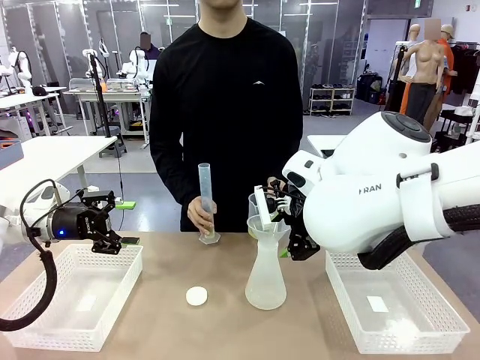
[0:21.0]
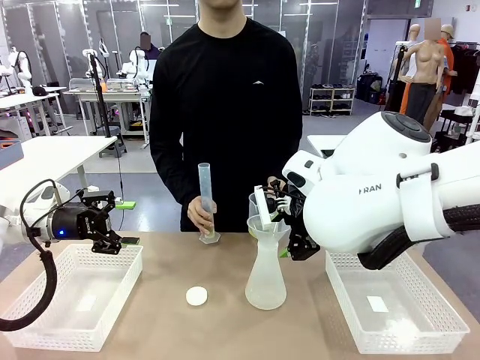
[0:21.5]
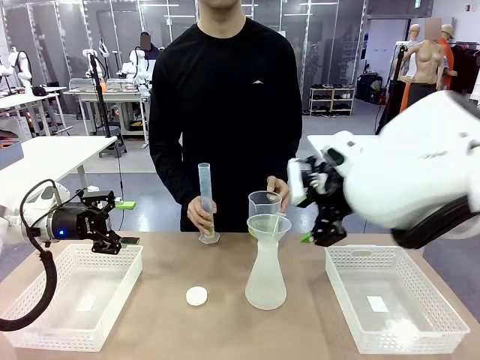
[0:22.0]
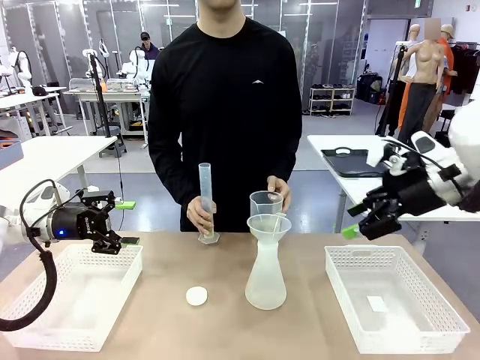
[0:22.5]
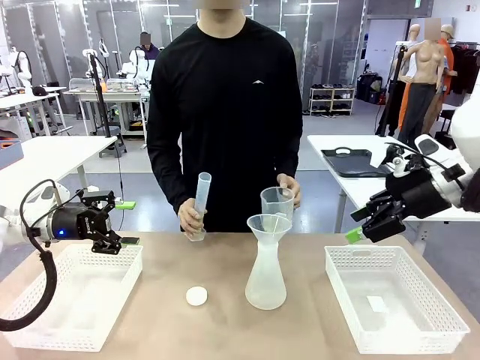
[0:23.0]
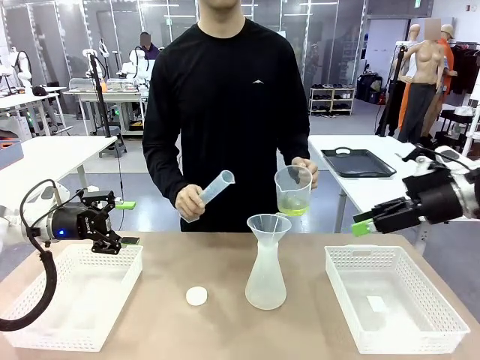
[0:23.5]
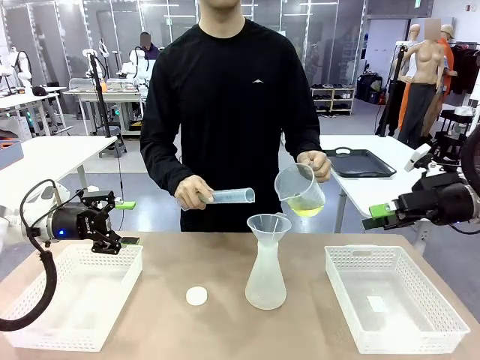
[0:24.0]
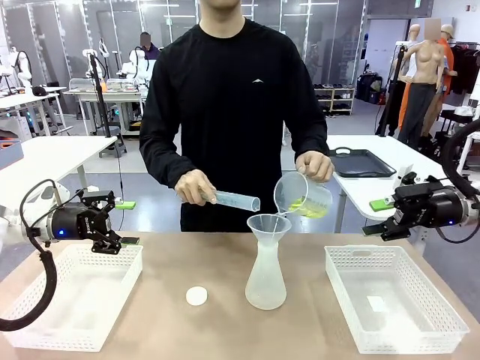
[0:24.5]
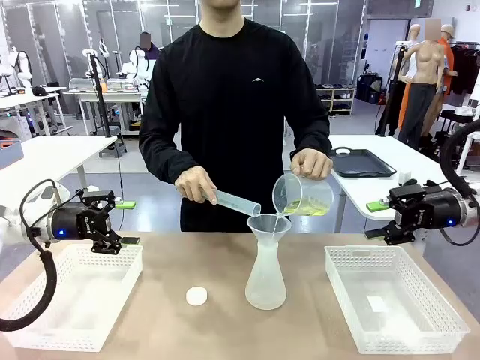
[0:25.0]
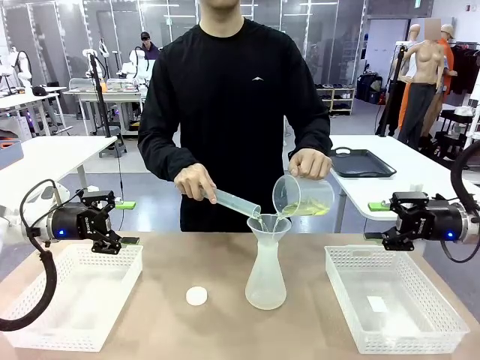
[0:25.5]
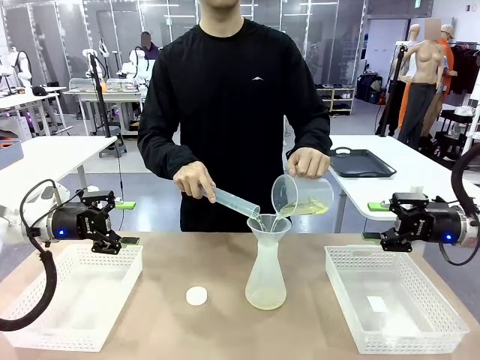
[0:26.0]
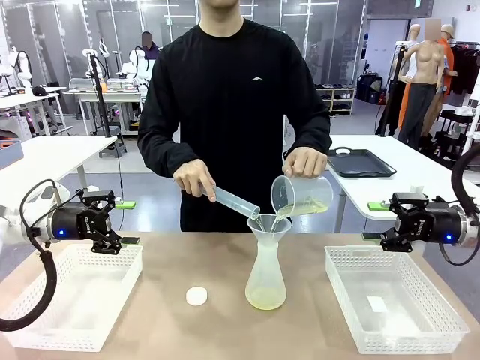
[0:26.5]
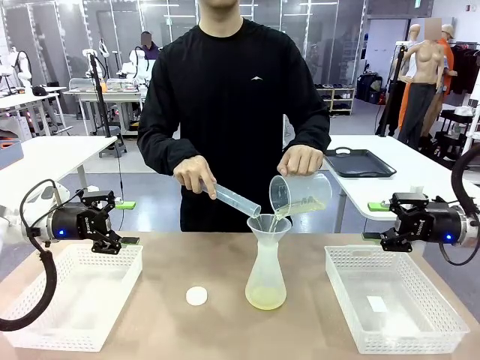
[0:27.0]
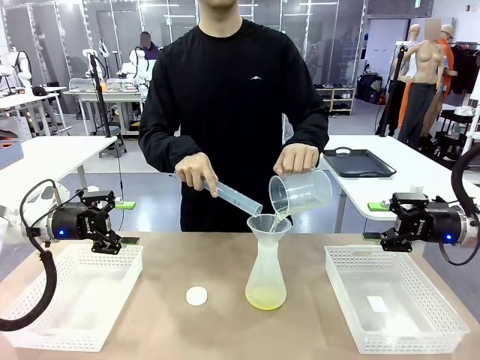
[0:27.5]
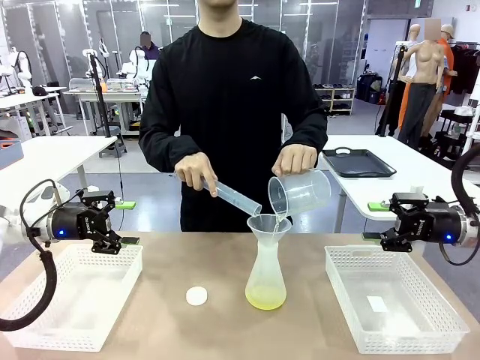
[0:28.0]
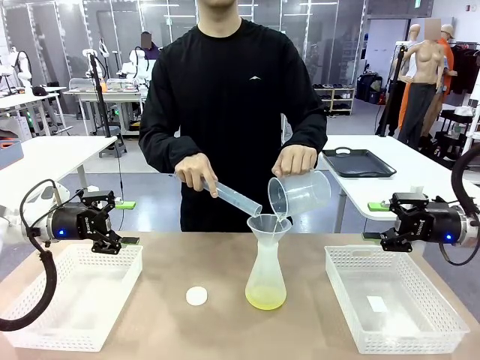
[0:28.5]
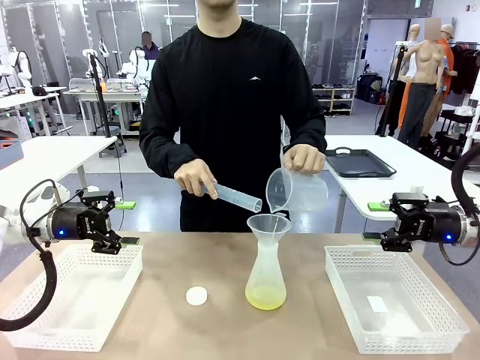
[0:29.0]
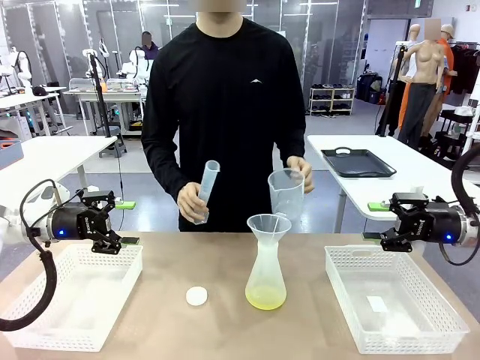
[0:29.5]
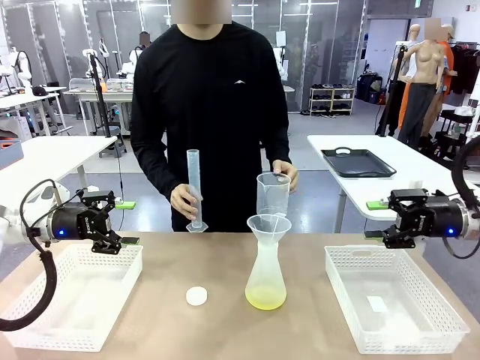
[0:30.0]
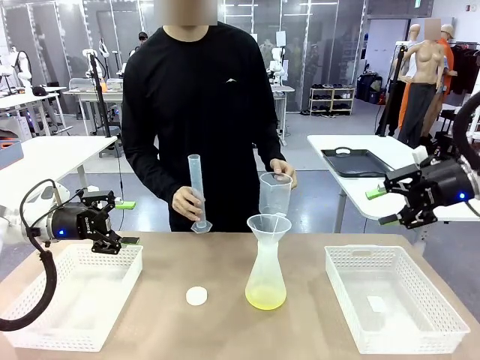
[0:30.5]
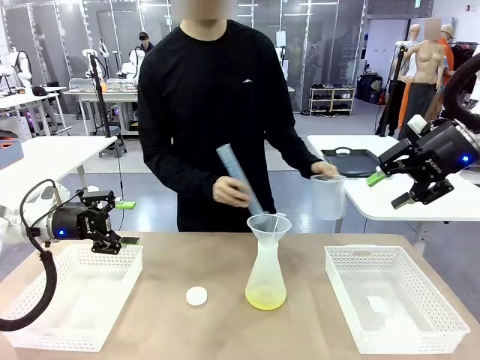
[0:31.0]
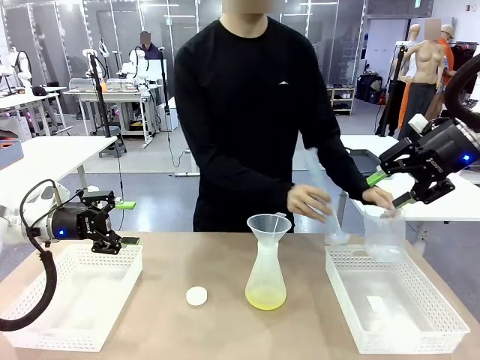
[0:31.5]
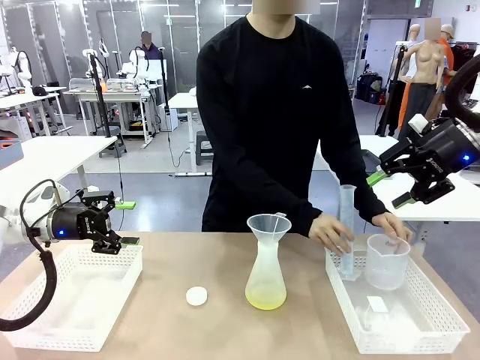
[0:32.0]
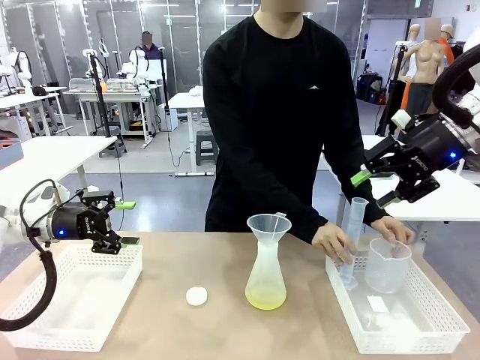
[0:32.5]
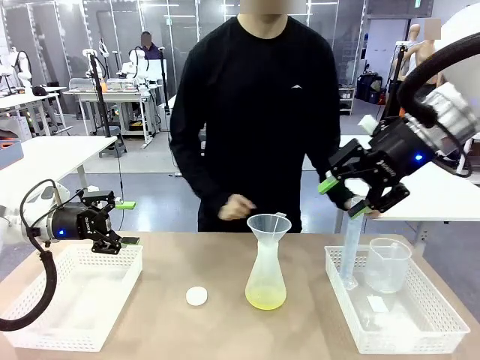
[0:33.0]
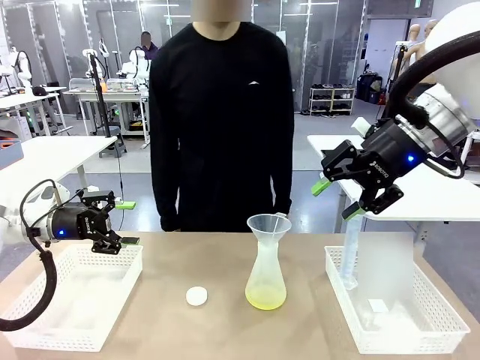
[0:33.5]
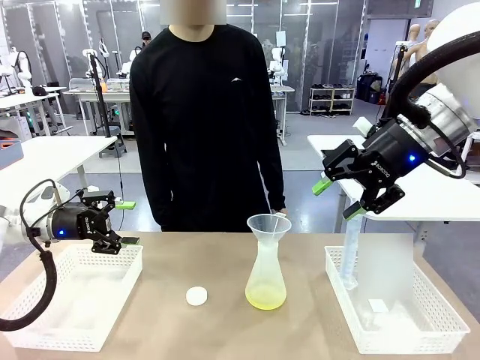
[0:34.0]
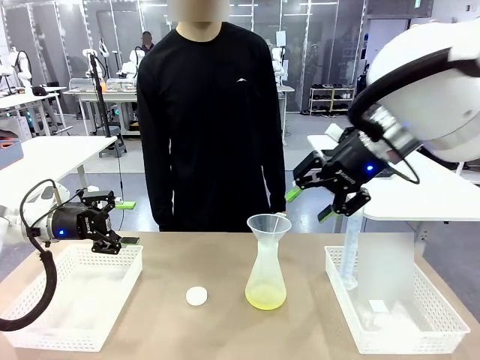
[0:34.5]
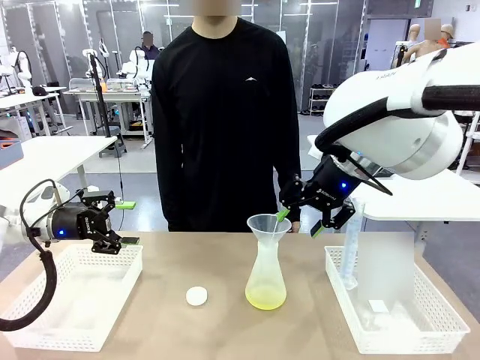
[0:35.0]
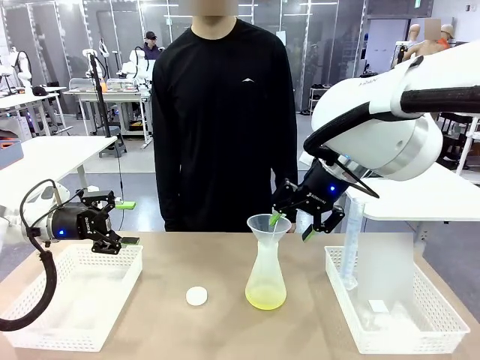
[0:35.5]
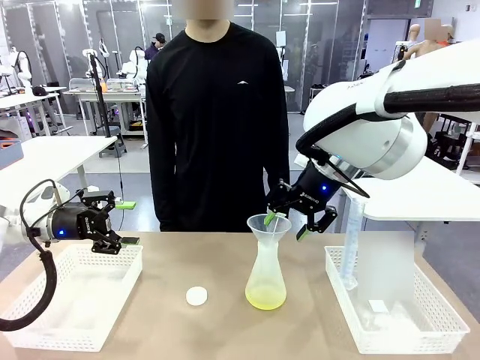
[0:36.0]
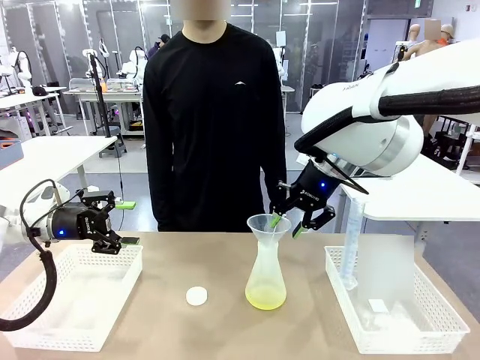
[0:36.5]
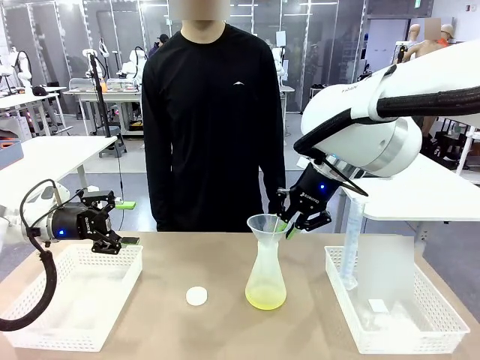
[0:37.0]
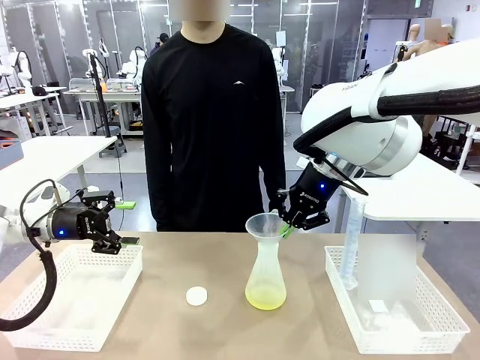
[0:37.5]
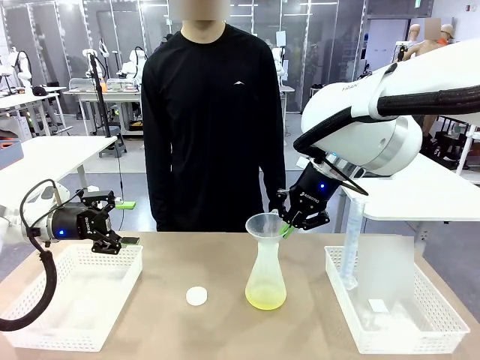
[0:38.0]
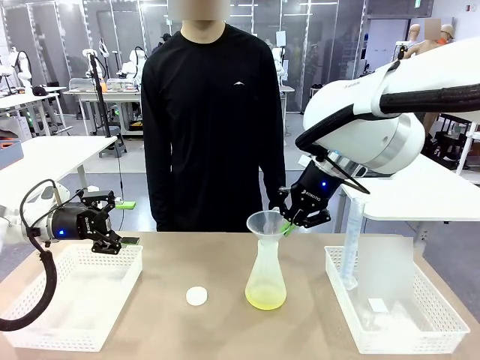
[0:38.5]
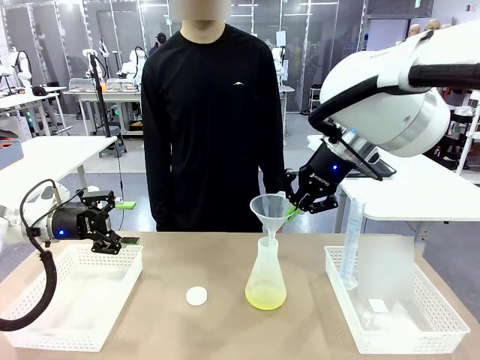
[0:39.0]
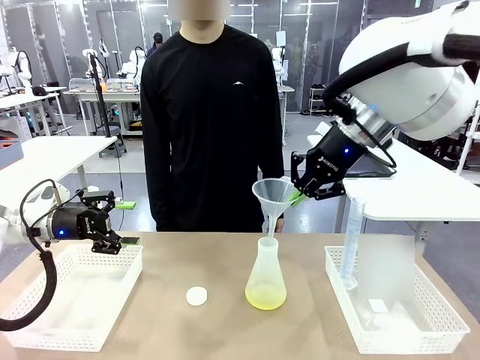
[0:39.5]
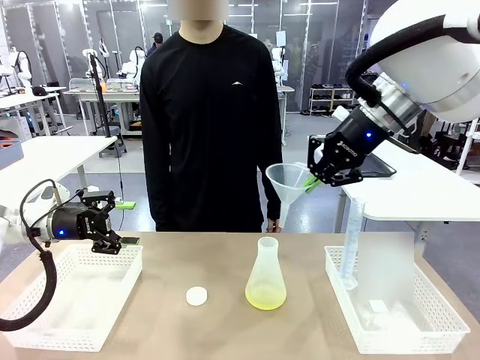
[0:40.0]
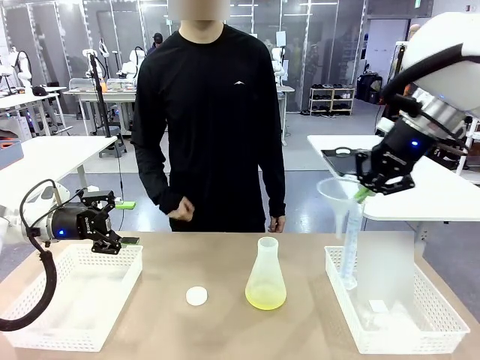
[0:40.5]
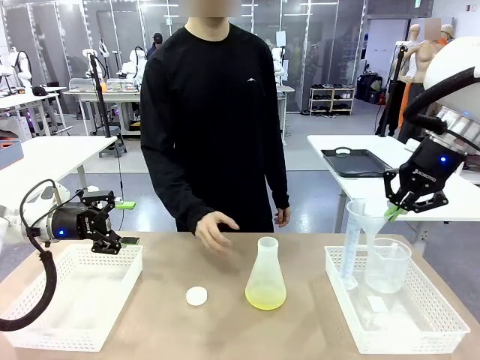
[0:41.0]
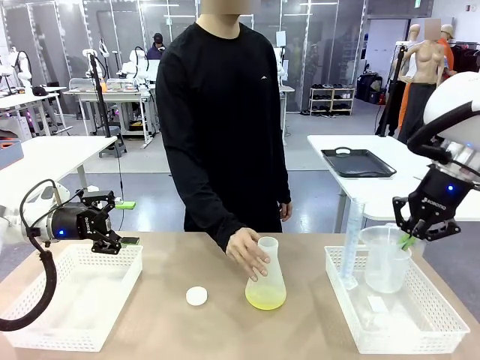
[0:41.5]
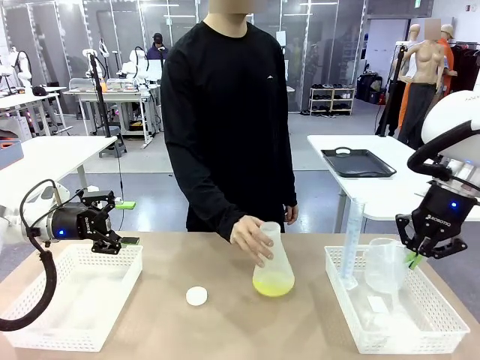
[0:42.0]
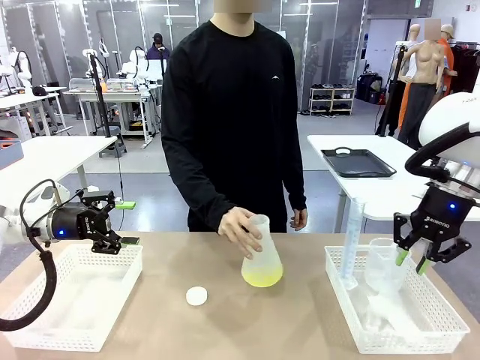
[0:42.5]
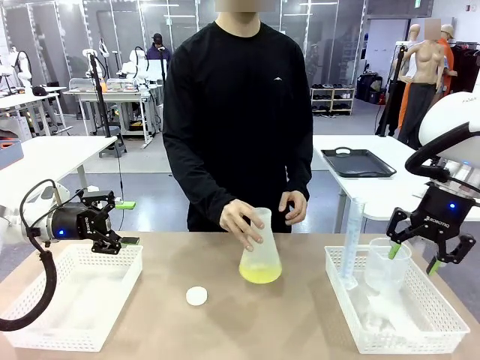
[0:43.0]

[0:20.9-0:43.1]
Task: Prepare the solutions needed for the experiment.
Robot: Once the solution is in the Big flask , pick up the Plastic Funnel and place it back into the right Organizing basket.
Person: Place the beaker and the cylinder into the organizing basket on the left side. Pick up the flask, gently shake it 2–3 times, place it in the middle of the robot table, and close the lid.
